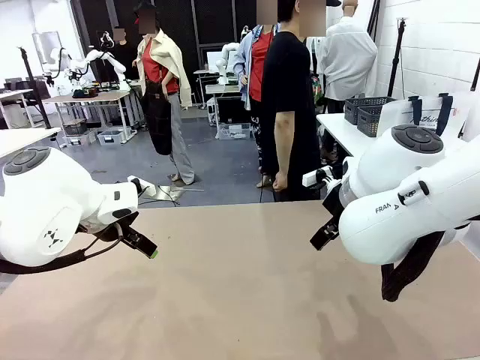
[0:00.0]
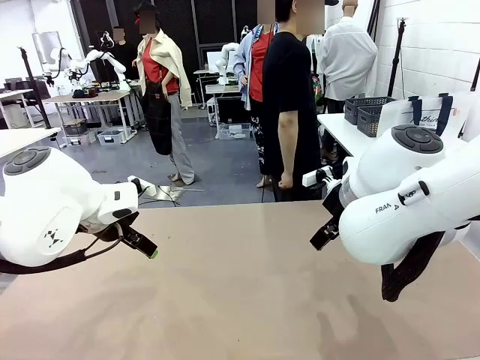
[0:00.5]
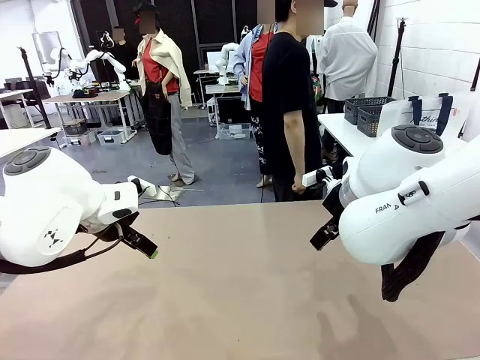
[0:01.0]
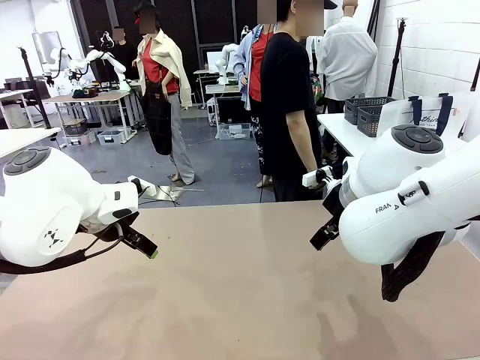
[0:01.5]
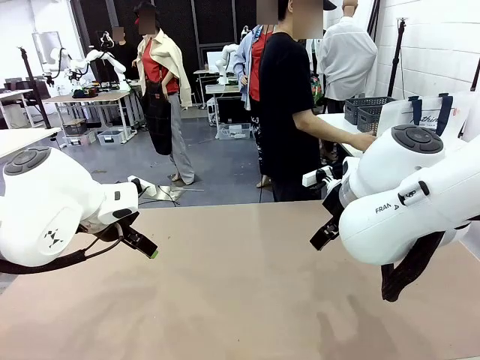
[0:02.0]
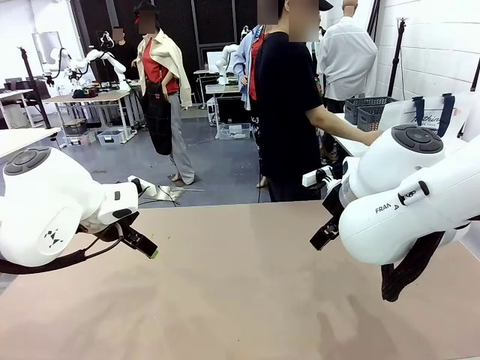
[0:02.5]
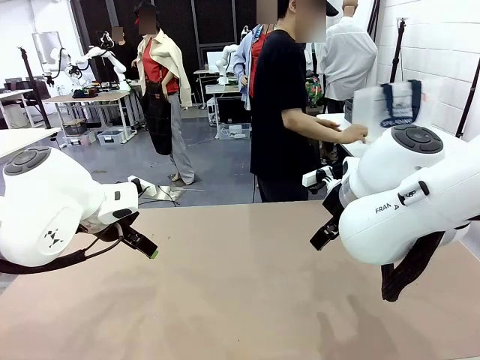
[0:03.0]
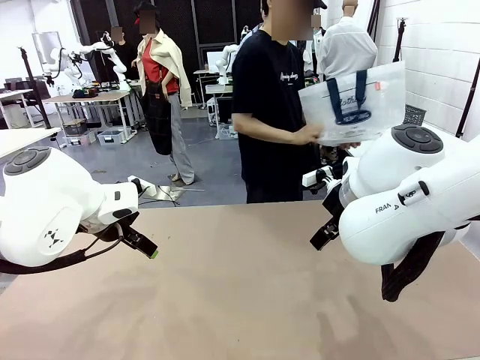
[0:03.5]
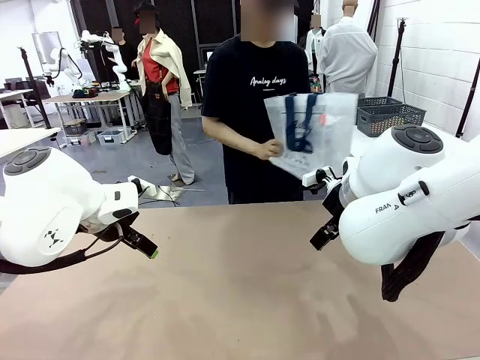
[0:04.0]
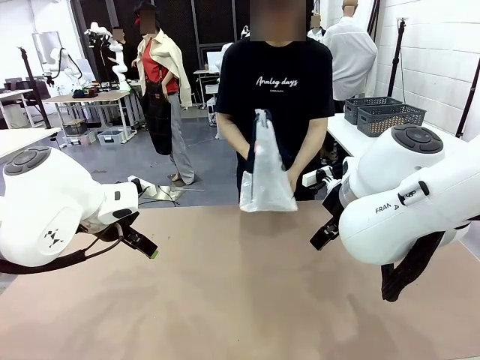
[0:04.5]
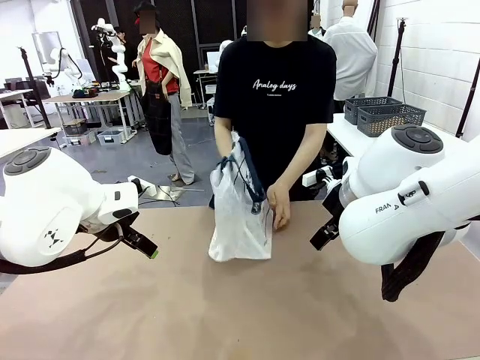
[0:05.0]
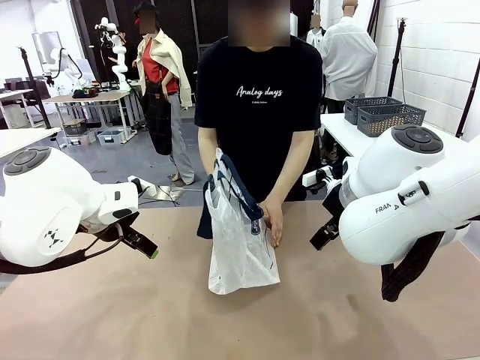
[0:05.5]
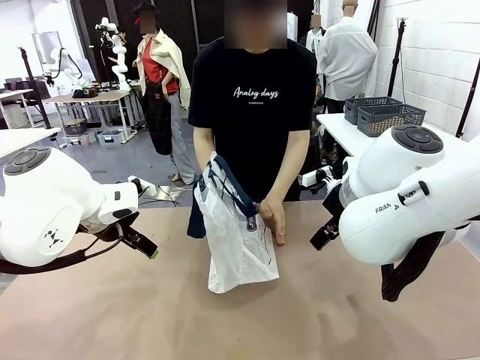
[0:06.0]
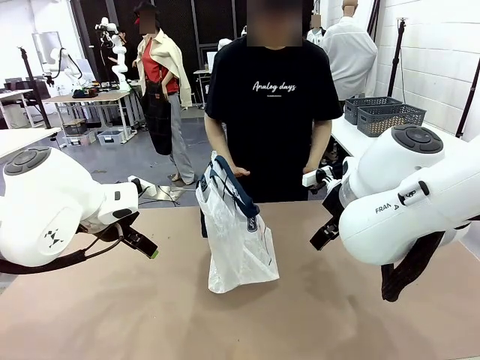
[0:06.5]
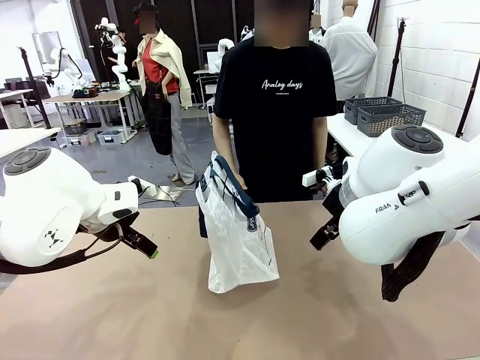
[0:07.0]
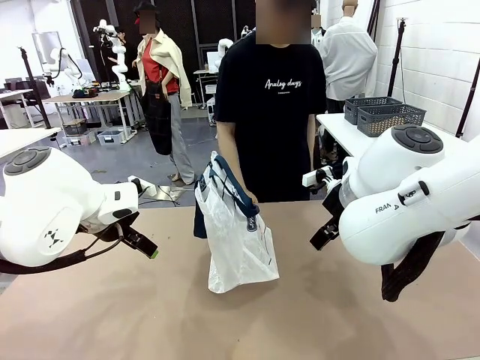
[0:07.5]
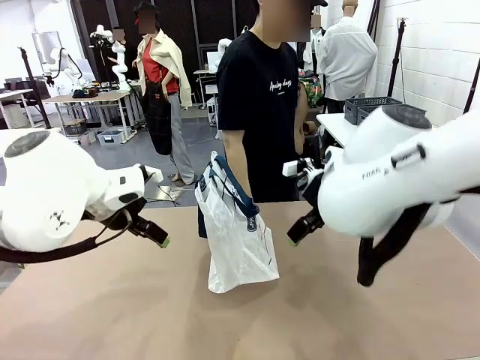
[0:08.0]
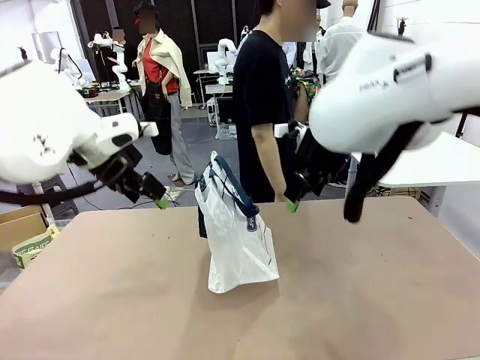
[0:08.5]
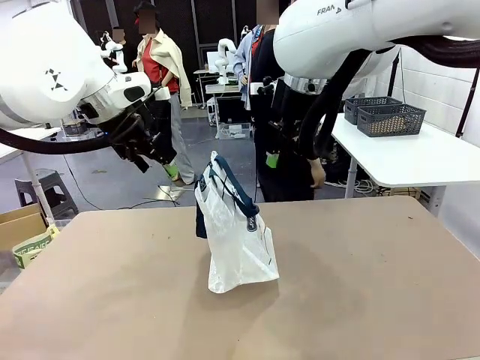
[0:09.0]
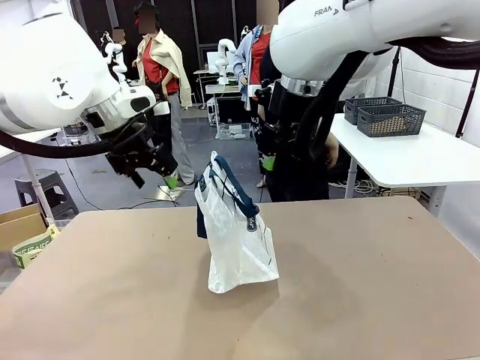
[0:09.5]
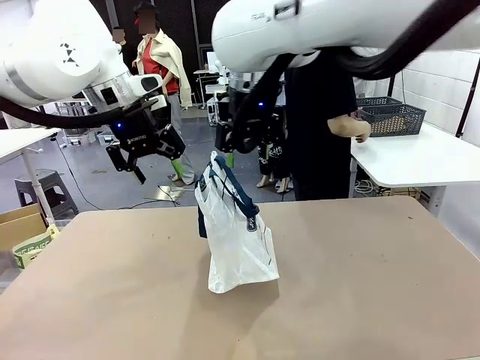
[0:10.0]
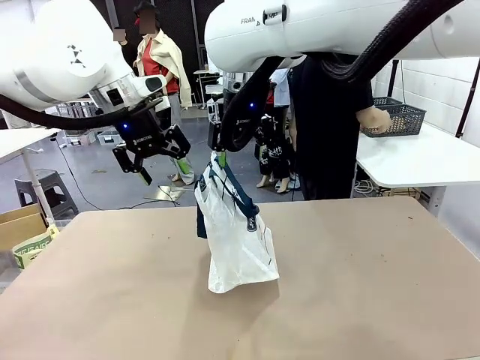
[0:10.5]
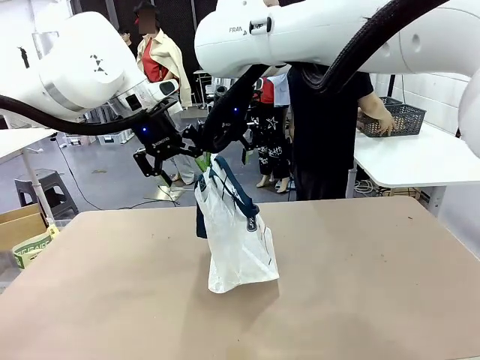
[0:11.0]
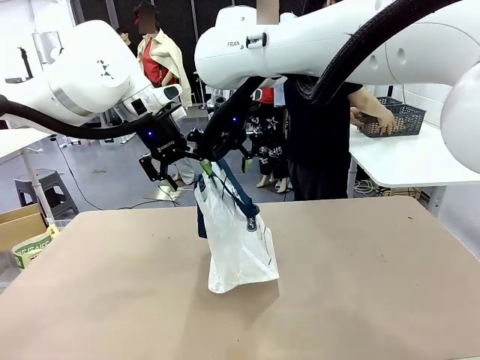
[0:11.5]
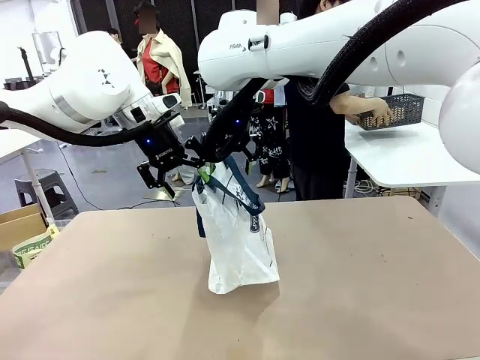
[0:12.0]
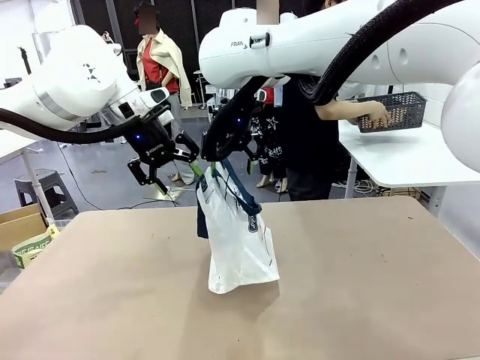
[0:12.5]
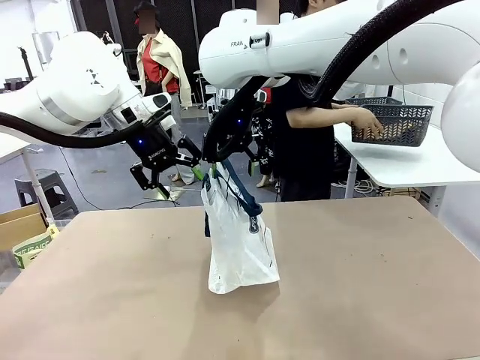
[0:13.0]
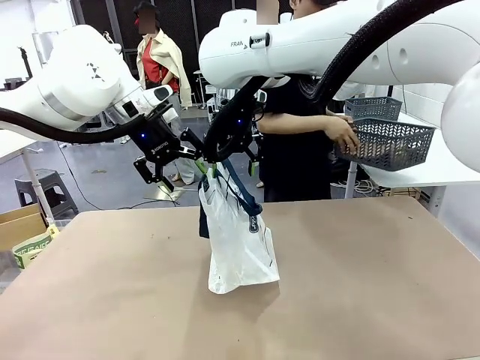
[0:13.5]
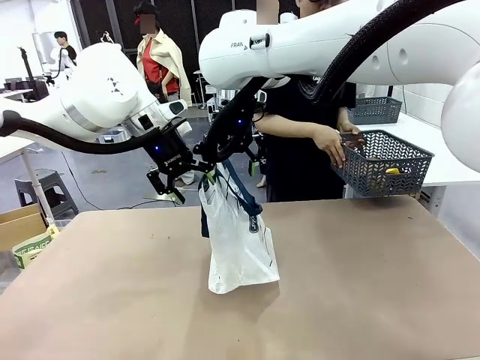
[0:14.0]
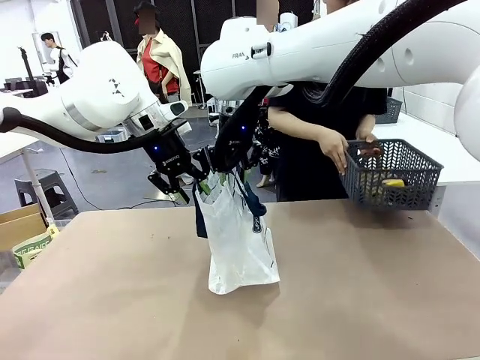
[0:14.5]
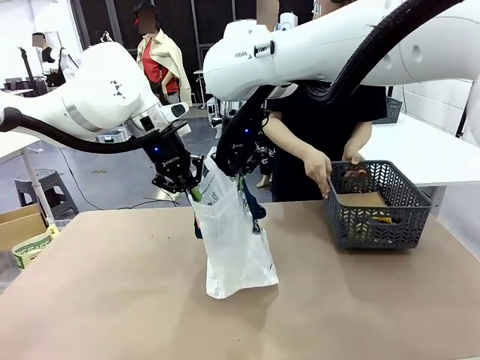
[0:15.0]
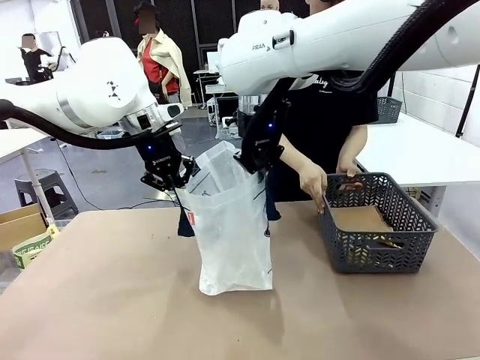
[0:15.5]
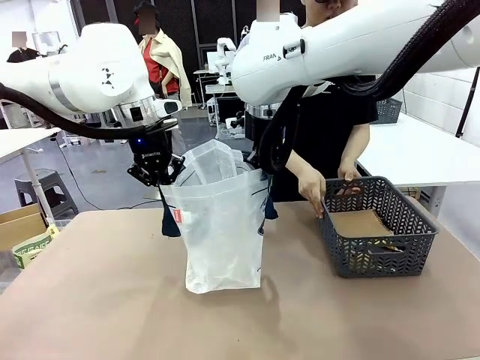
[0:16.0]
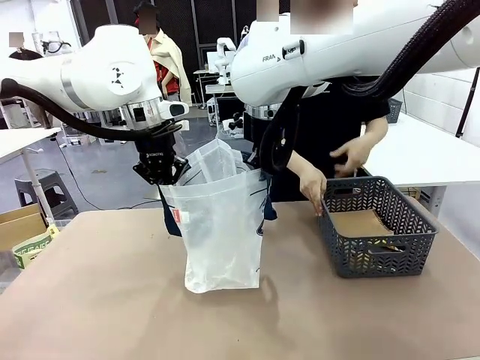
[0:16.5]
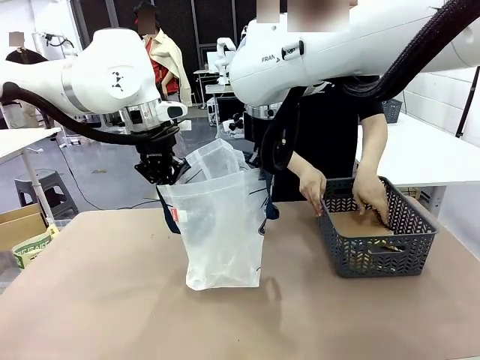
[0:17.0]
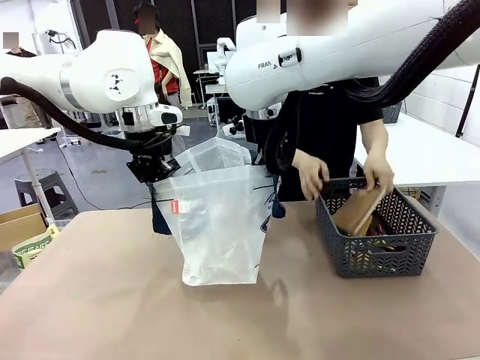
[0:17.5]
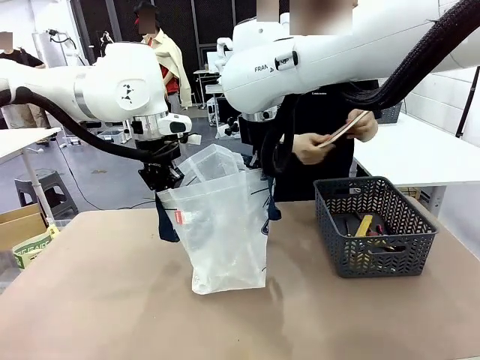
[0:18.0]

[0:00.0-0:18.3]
Task: Transfer purchased items from the store into the shopping bag.
Robot: Open the Reusable shopping bag in the center of the table.
Person: Pick up the shopping bag and place it in the middle of the robot table.
